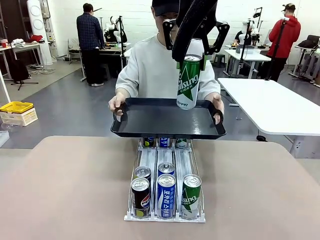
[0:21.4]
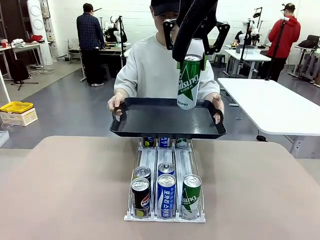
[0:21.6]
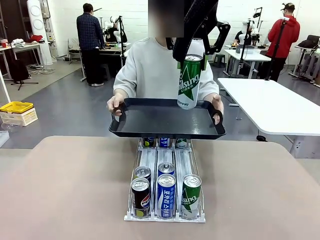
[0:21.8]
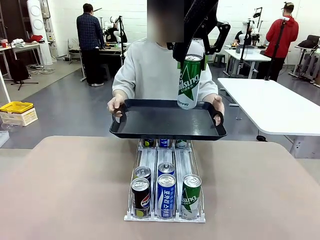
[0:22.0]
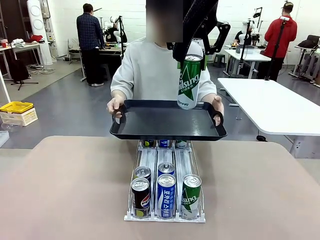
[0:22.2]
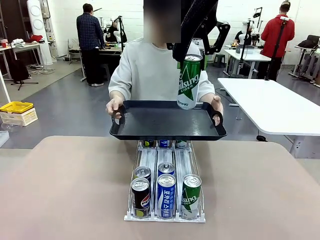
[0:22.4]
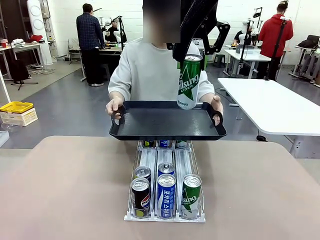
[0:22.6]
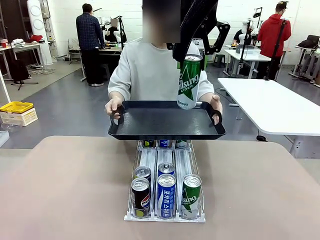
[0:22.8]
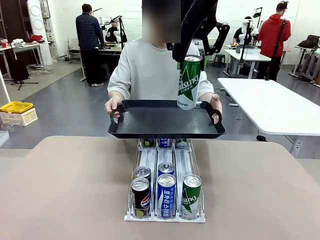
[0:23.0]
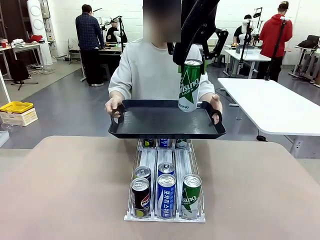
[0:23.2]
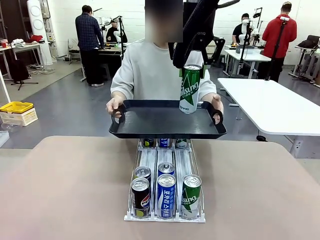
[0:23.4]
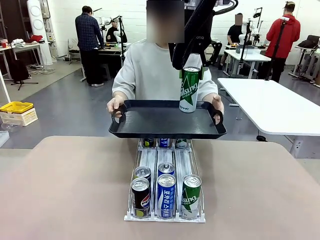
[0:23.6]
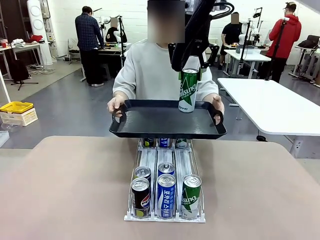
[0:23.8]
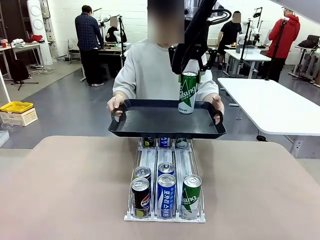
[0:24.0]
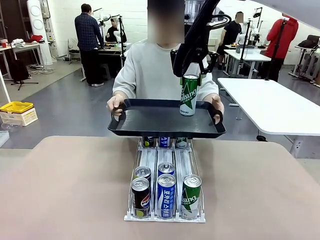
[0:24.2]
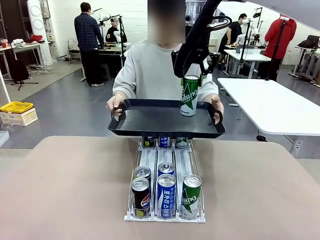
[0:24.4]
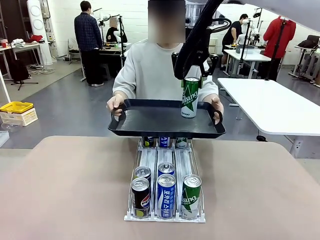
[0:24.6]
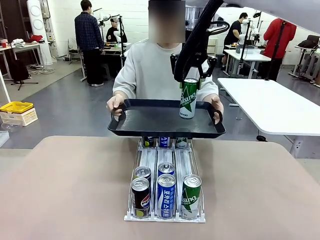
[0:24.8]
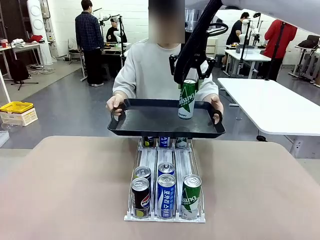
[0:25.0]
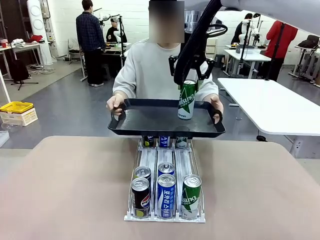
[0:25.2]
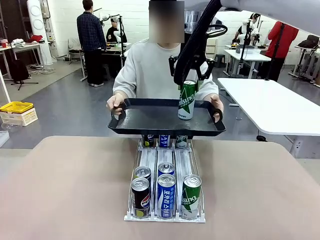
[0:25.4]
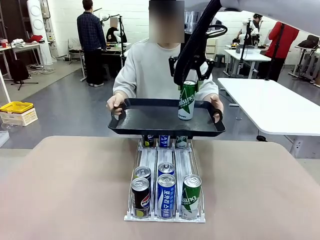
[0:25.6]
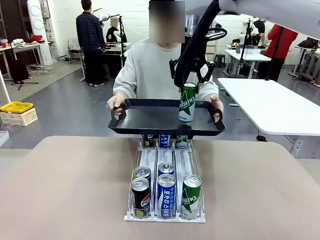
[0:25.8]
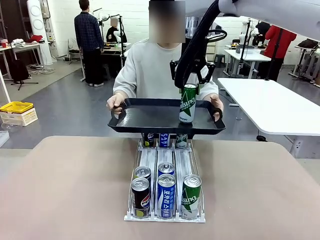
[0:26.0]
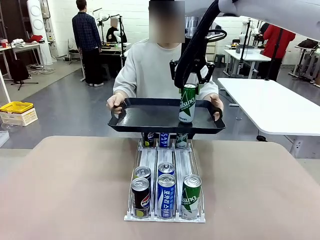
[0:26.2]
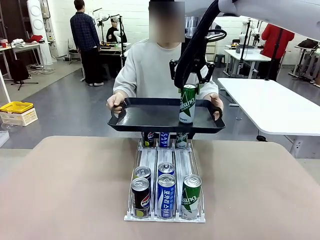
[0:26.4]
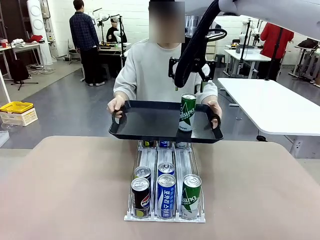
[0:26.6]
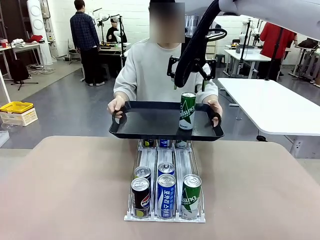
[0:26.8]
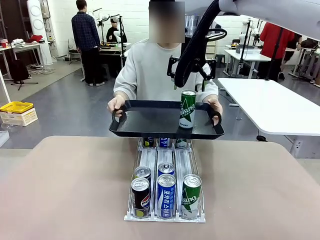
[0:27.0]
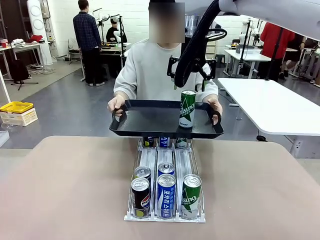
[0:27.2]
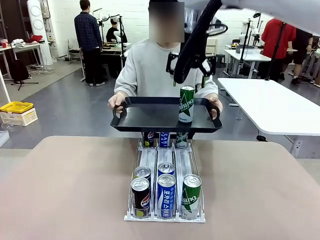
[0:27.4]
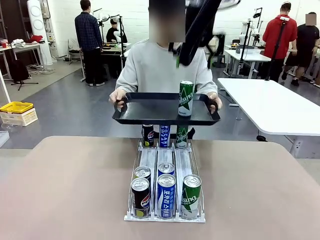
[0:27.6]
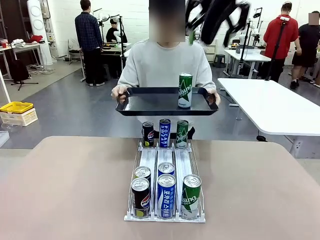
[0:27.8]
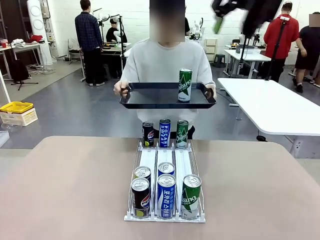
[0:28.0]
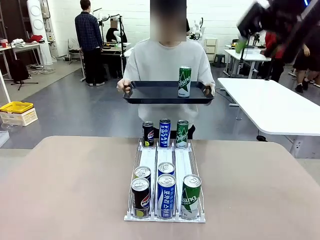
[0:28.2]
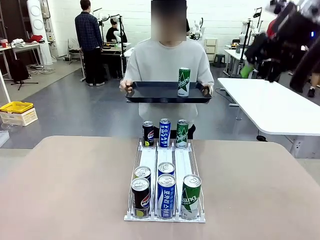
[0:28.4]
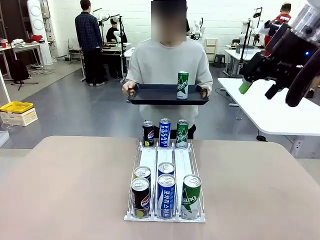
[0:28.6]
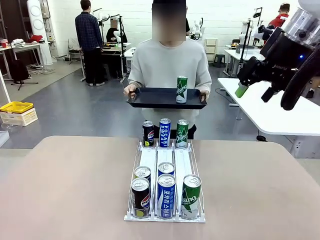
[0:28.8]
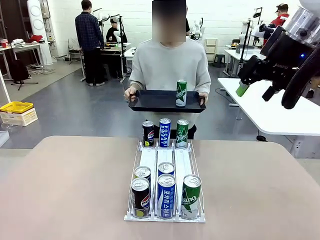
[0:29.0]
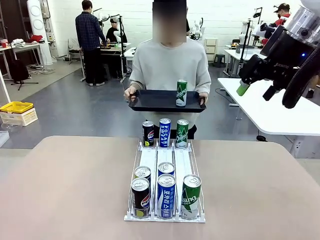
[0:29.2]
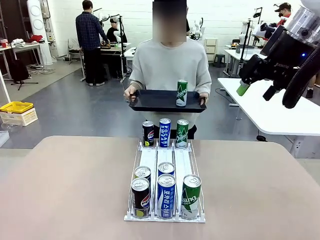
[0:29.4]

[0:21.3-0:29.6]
Task: Retrieve and hand over the desired beverage to the person.
Robot: Place the picked can on the Handle tray extended by the person.
Person: Pull the tray back, then pick up another can from the bottom area of the table and puts it back in its original place.

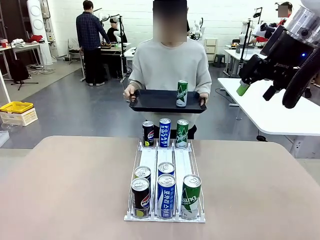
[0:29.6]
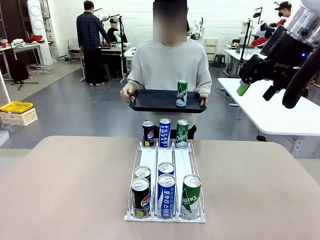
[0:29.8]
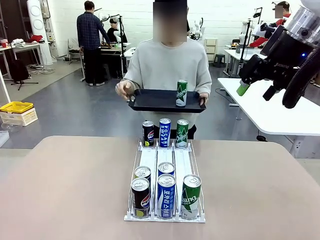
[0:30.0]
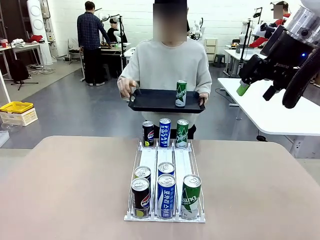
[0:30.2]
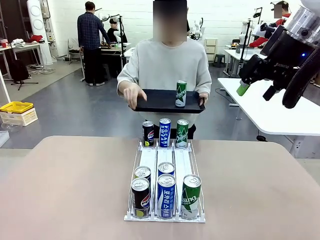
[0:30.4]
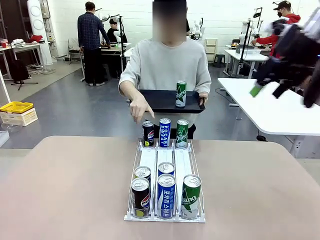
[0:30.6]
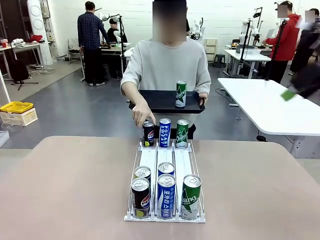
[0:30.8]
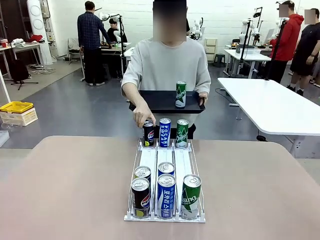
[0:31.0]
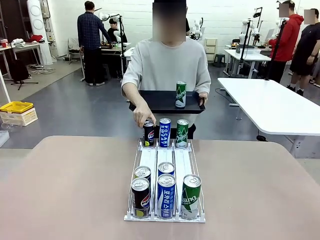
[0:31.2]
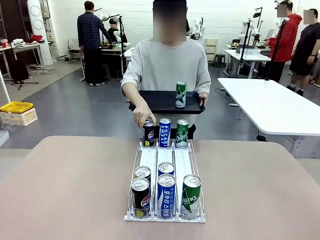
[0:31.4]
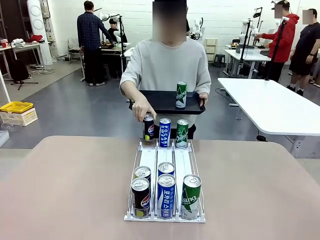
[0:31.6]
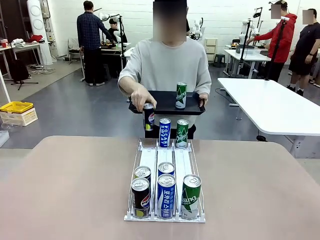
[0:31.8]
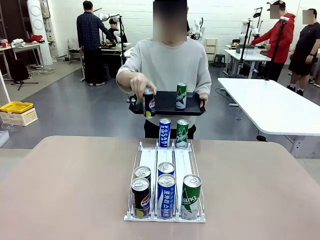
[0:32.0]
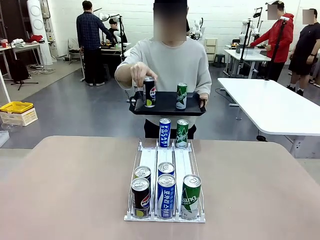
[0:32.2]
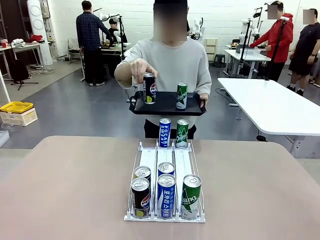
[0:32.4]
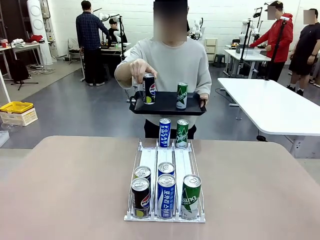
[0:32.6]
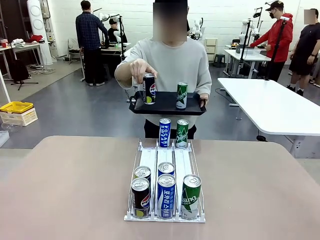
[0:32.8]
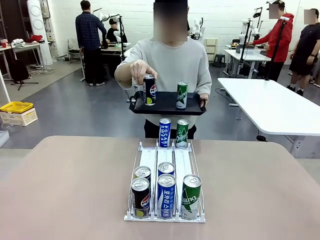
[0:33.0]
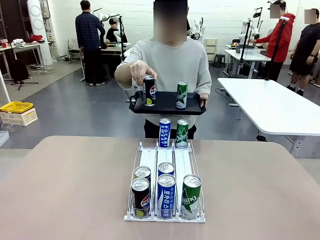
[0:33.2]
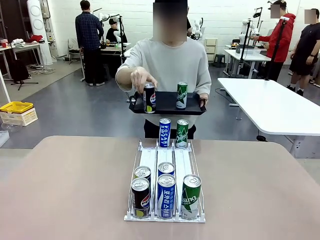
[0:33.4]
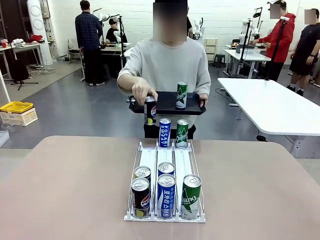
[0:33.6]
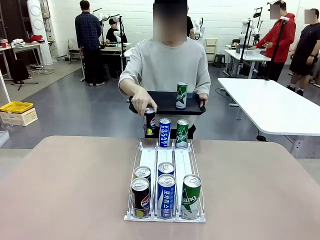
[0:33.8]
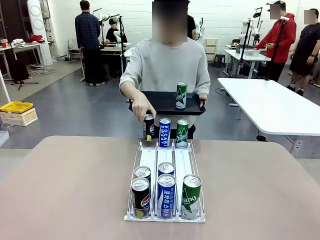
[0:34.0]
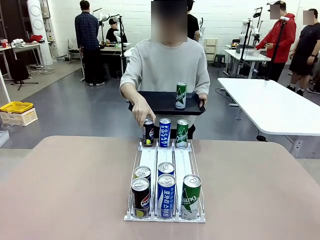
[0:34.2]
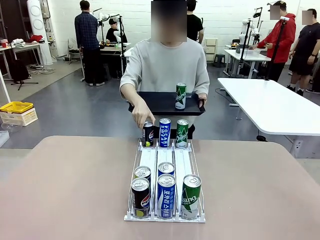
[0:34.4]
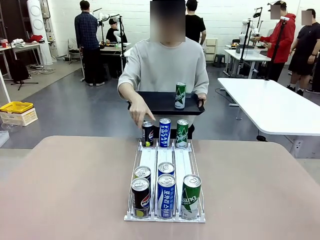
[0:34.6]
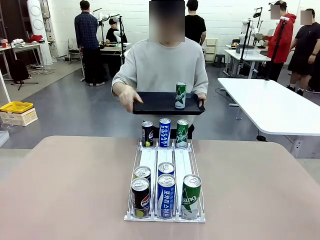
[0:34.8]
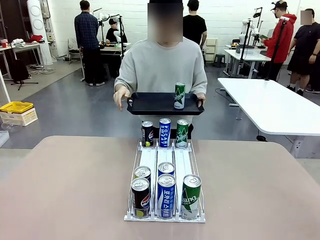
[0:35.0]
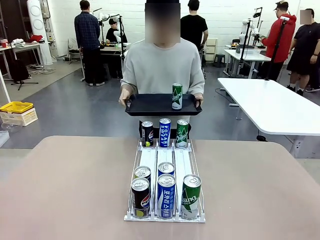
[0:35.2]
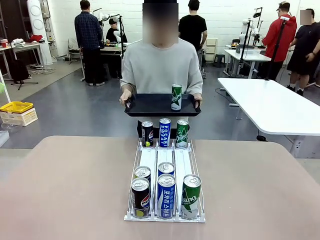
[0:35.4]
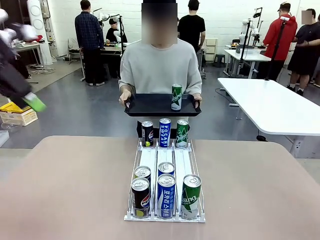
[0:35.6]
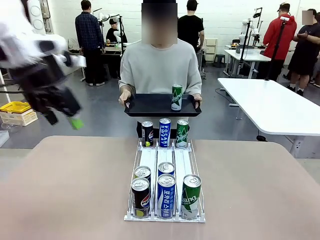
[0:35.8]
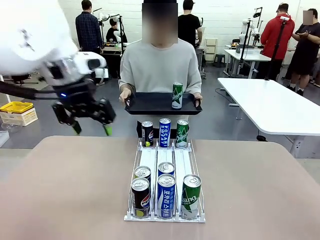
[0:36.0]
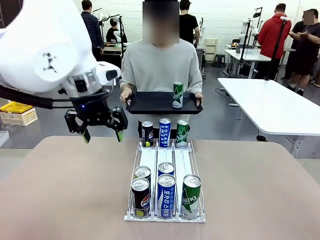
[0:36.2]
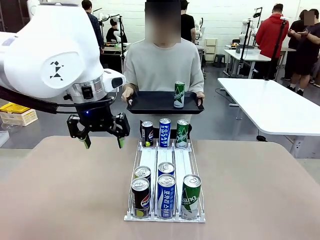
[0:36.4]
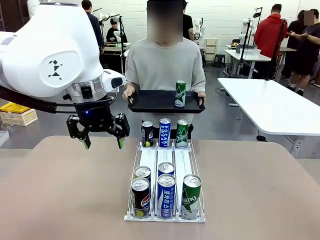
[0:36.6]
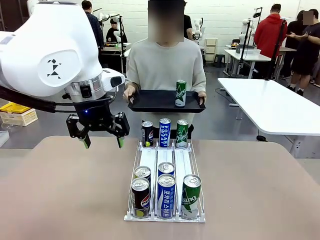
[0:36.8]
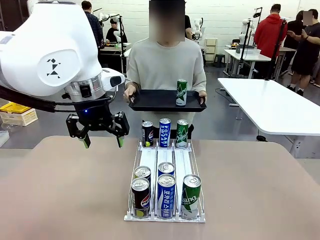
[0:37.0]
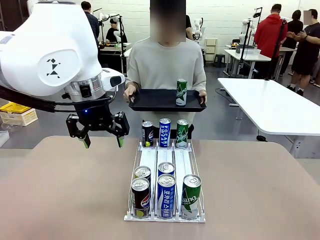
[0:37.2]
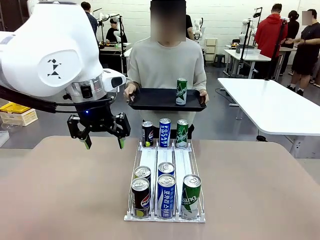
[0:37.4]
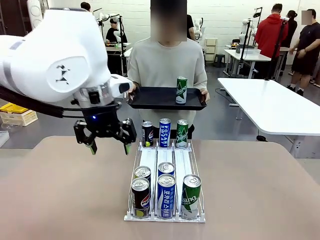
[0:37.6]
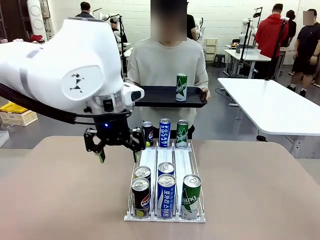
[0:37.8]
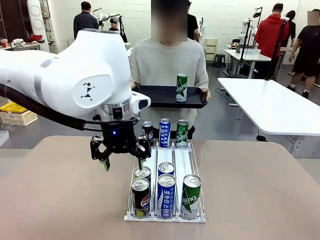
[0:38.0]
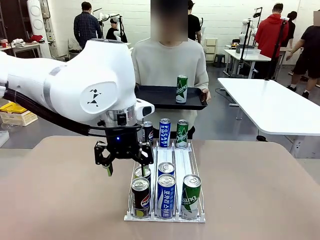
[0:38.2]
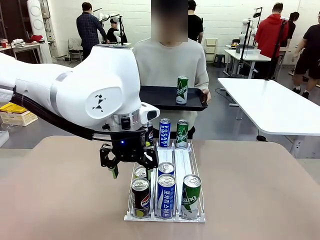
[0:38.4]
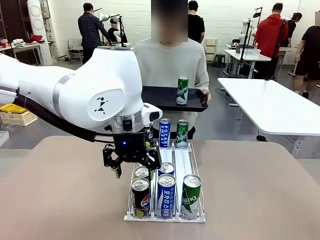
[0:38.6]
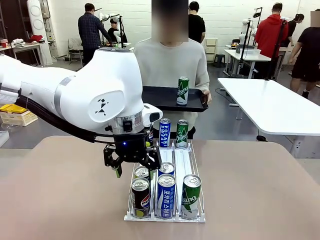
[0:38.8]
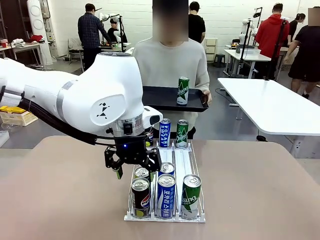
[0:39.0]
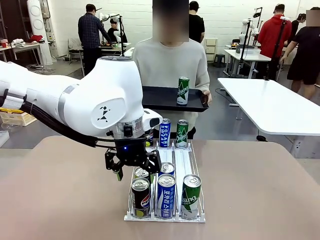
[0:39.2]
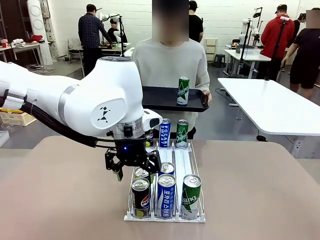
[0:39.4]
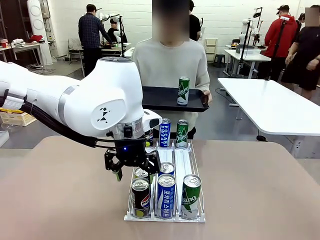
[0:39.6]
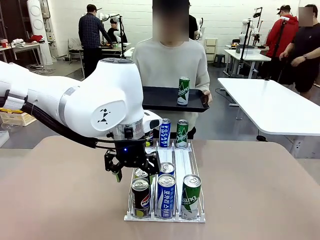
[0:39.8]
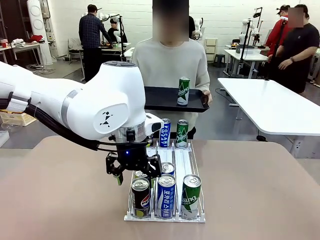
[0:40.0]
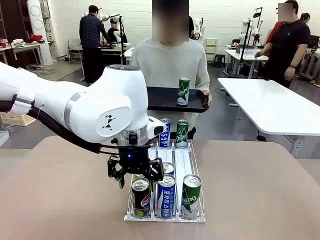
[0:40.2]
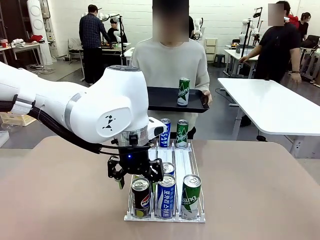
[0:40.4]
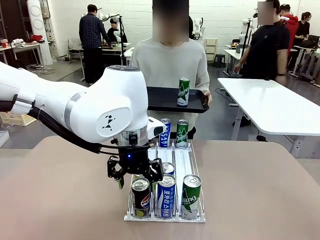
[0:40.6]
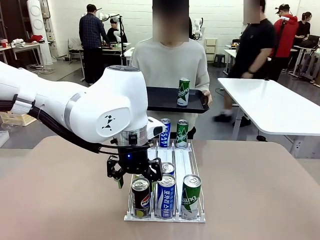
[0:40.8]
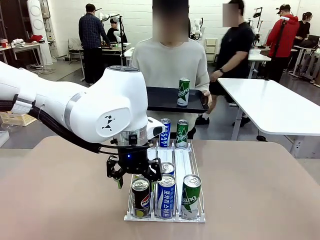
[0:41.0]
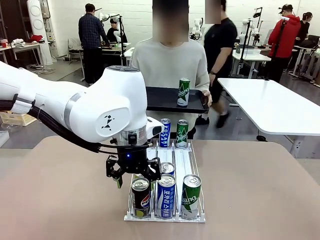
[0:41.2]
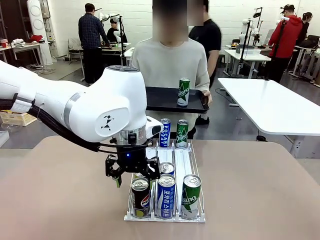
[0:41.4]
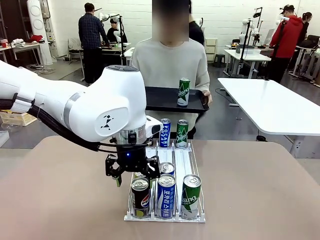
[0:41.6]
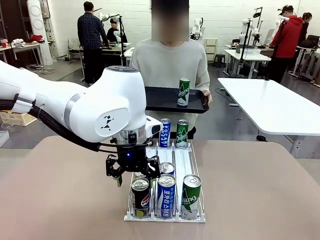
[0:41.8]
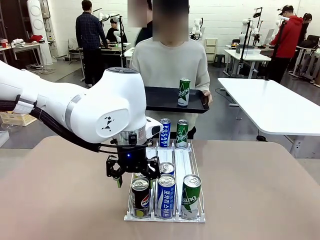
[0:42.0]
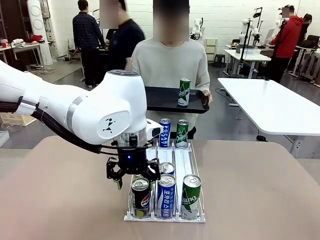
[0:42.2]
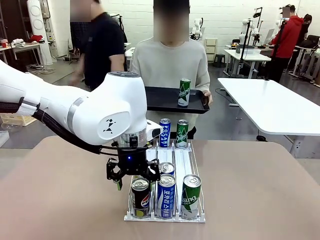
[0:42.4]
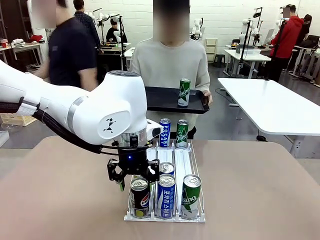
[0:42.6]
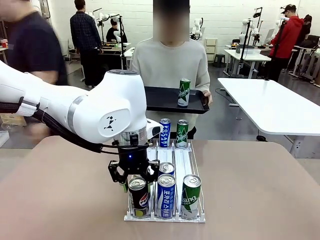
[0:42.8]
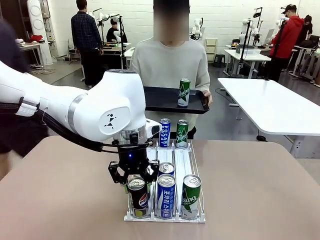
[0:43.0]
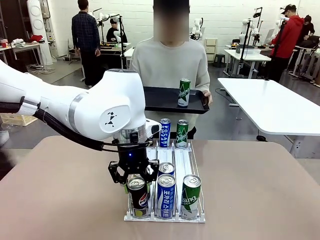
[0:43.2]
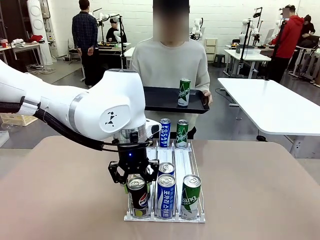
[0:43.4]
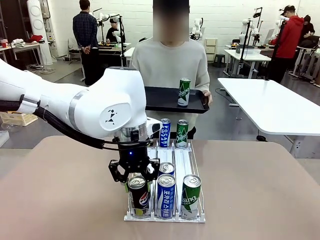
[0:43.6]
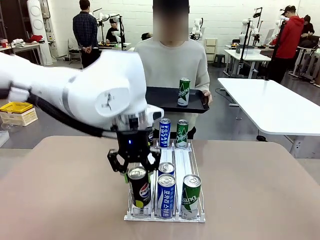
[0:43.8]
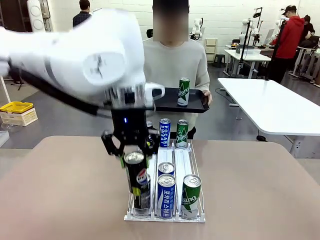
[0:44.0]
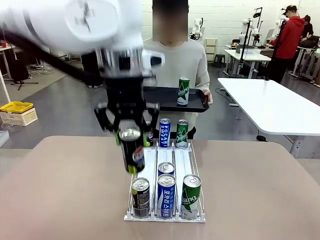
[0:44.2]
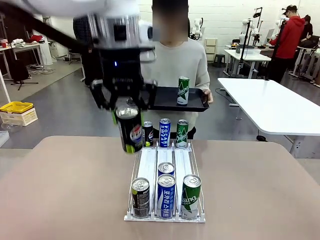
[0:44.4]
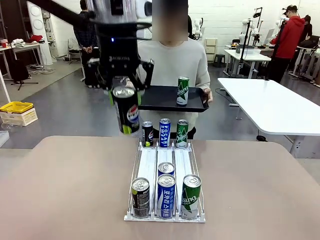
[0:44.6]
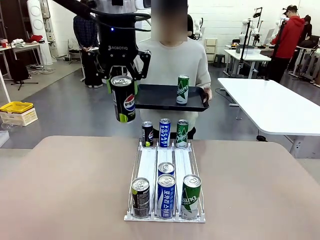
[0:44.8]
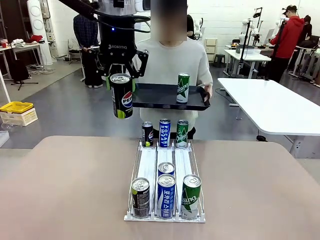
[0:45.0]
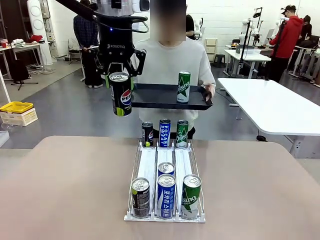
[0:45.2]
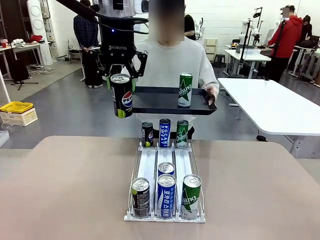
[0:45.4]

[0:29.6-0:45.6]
Robot: Pick up another can of the same type that the person held from the Automatic Can Dispenser.
Person: Push the tray toward the robot again.
